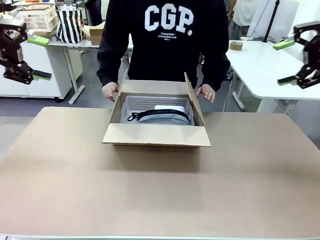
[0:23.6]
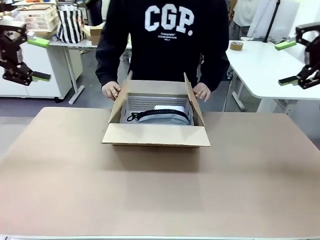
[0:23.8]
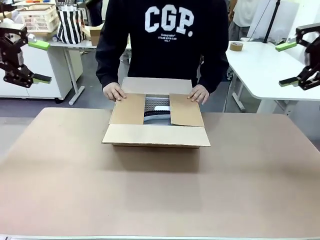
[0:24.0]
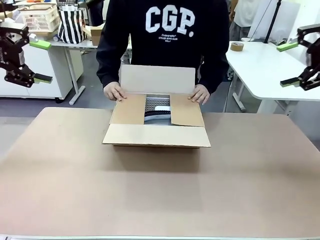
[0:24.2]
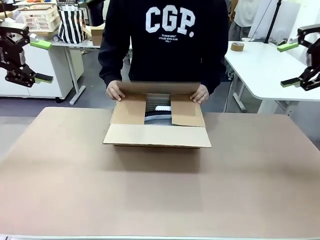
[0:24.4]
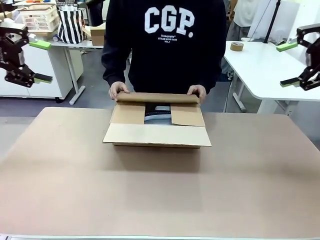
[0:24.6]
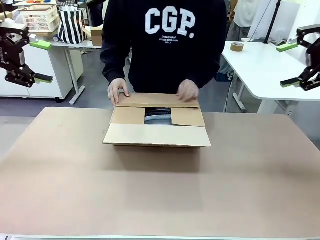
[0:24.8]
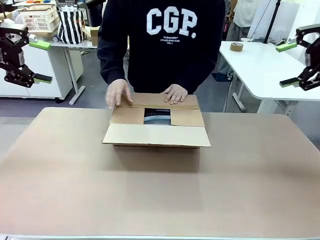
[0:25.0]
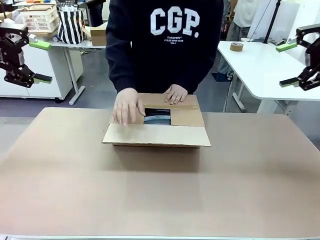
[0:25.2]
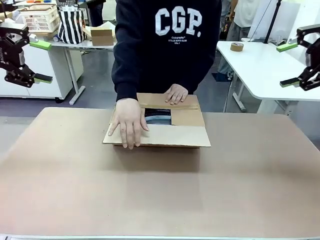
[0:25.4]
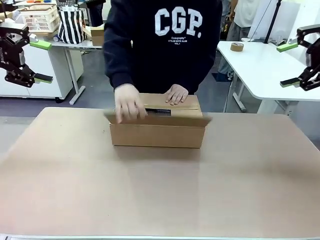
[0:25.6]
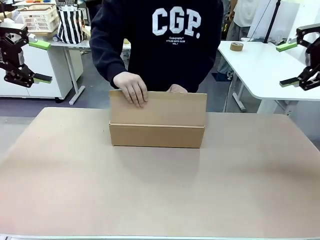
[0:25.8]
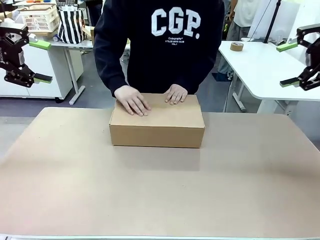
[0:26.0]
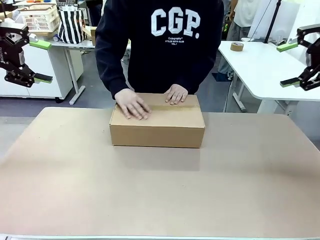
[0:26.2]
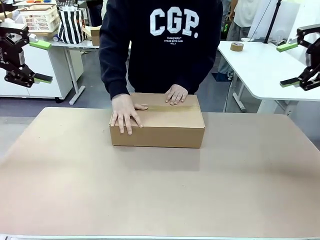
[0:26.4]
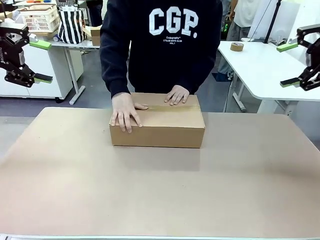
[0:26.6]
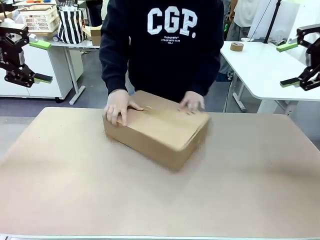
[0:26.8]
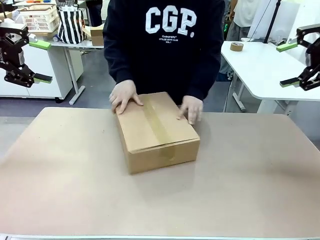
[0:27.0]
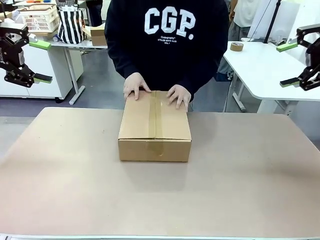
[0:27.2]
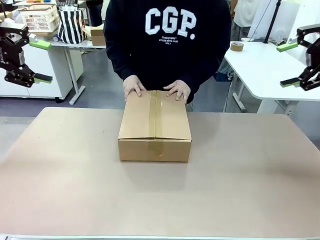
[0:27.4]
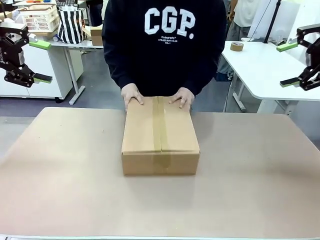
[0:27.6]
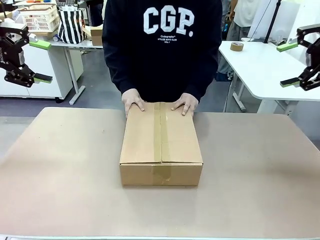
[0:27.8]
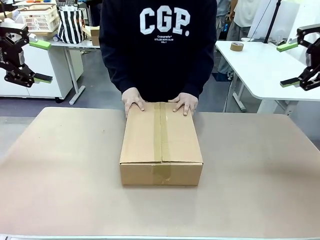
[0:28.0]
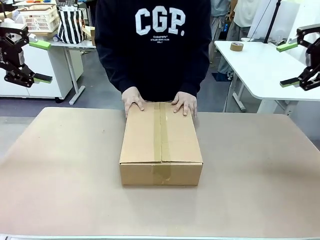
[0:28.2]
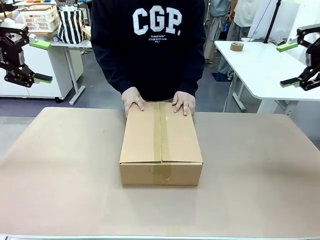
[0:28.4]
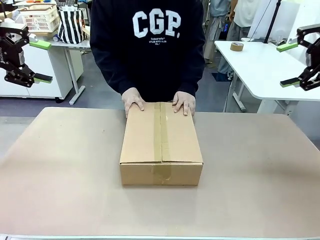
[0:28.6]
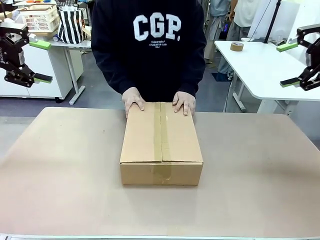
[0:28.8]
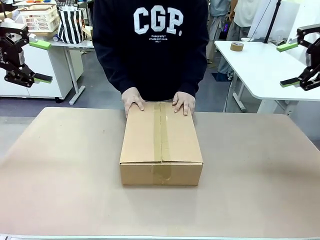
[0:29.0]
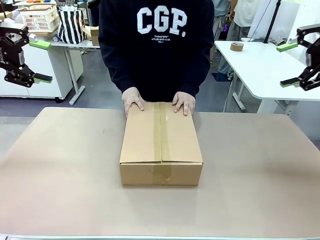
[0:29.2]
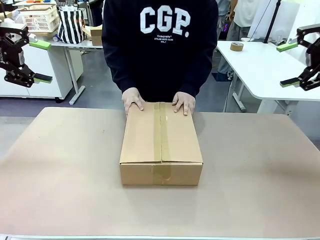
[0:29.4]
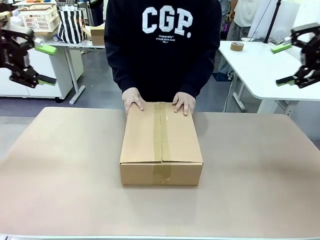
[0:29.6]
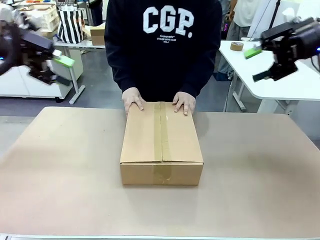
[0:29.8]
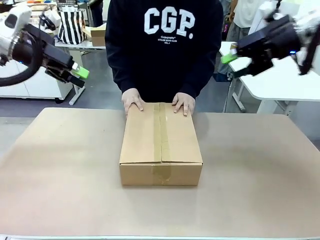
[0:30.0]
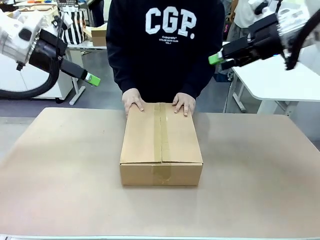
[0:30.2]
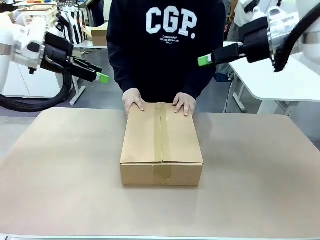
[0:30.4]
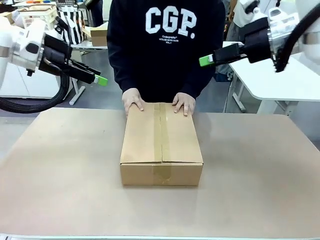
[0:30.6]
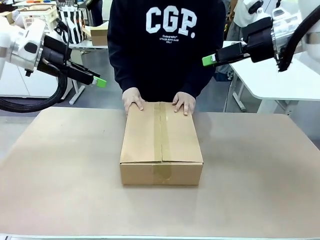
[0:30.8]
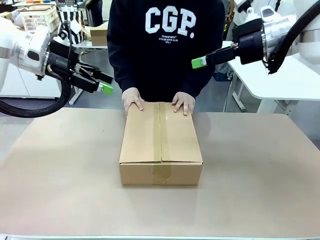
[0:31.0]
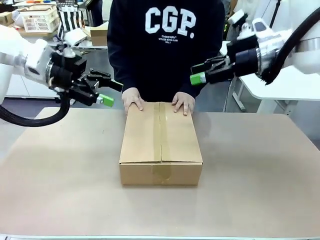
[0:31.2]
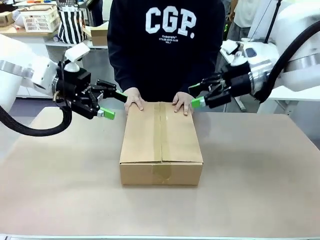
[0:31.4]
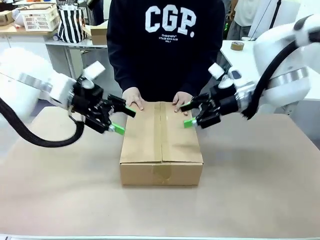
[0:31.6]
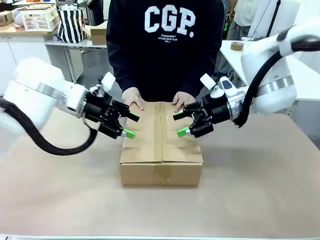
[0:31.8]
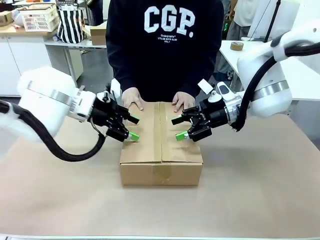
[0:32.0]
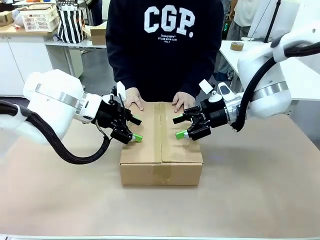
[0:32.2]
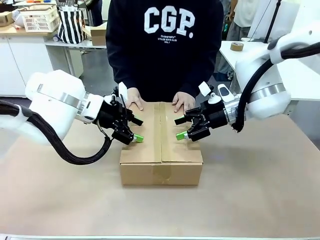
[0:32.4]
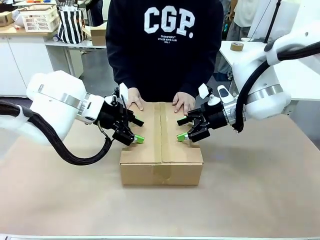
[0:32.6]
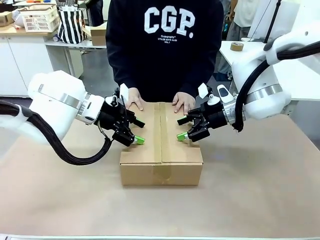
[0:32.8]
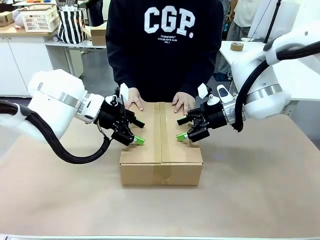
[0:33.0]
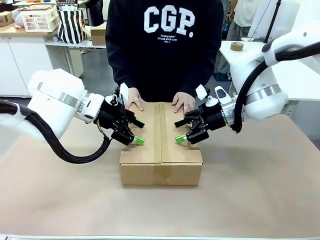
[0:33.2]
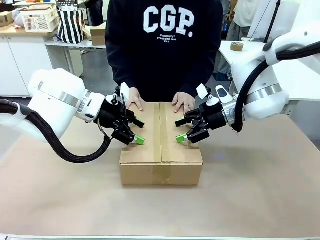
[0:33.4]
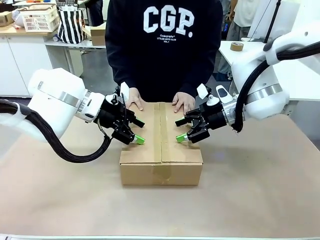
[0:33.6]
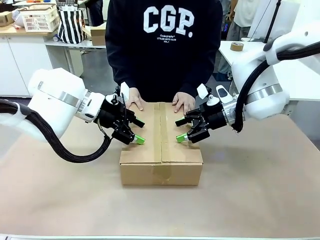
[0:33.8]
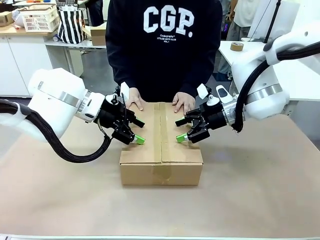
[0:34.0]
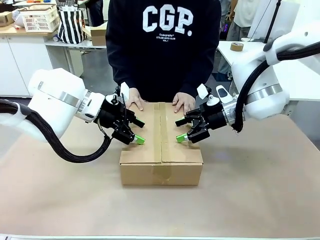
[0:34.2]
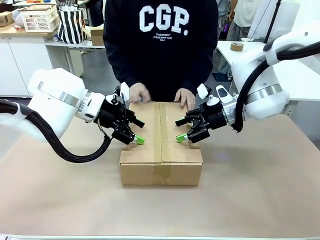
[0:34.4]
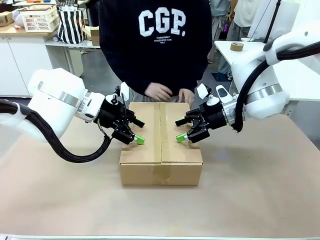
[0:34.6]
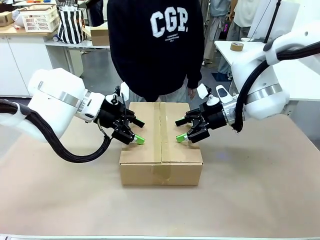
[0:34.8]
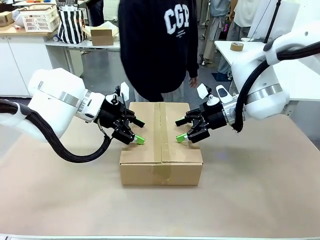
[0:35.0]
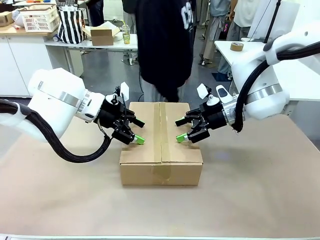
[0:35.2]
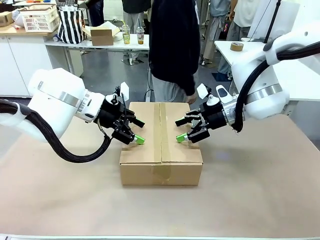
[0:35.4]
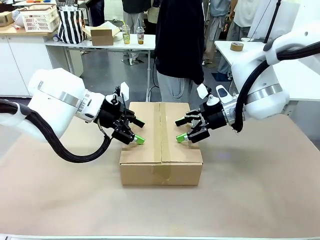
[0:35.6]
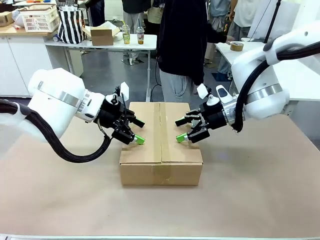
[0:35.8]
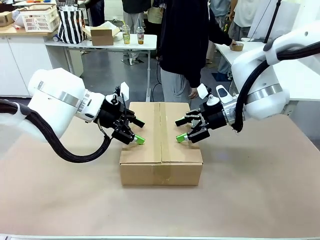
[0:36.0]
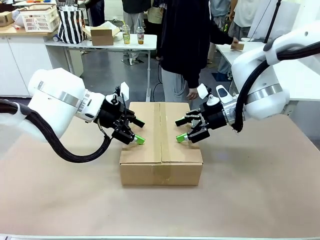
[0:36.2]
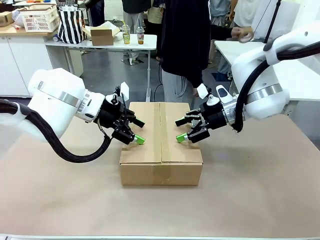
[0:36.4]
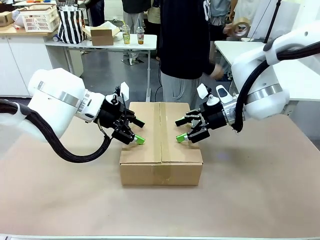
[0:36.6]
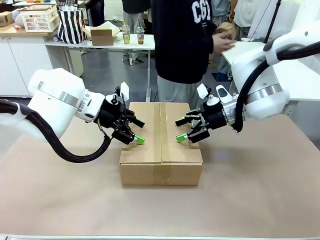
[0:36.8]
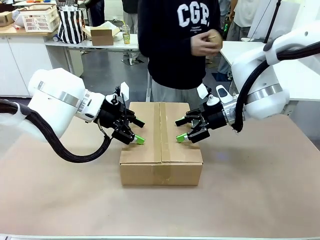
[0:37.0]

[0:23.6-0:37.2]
Task: Pack the gift set into the box.
Robot: Press and hold the closed box until the human finishes sealing it.
Person: The human closes the box and rotates the box by 90 degrees.
